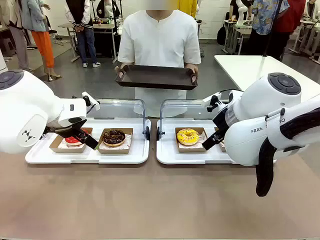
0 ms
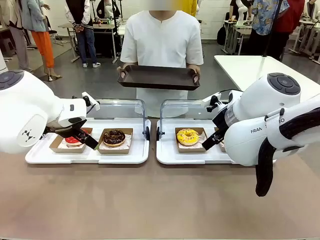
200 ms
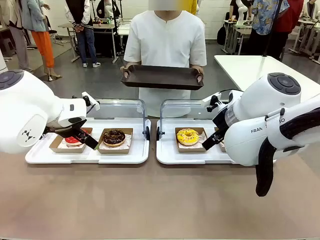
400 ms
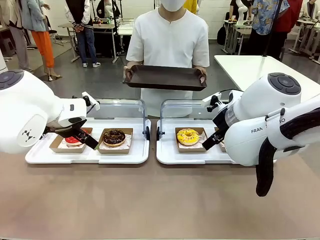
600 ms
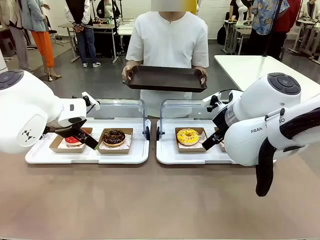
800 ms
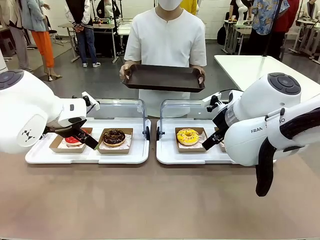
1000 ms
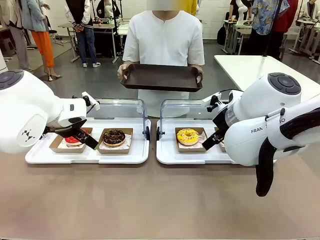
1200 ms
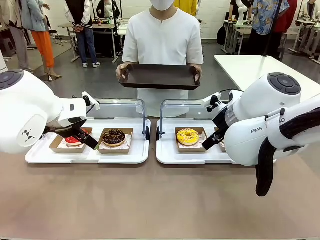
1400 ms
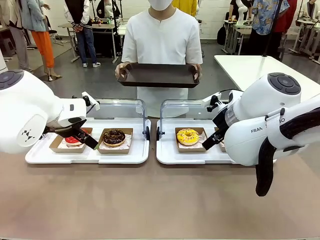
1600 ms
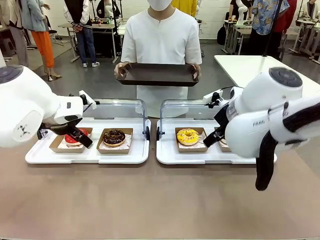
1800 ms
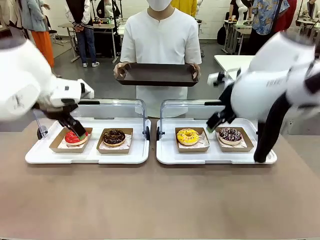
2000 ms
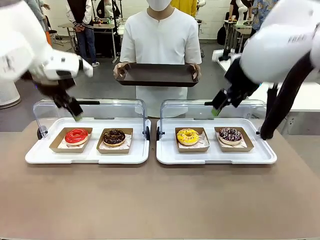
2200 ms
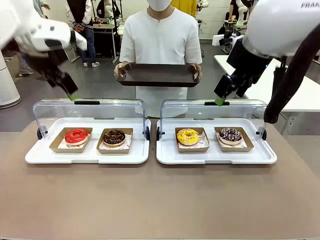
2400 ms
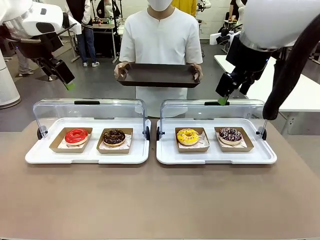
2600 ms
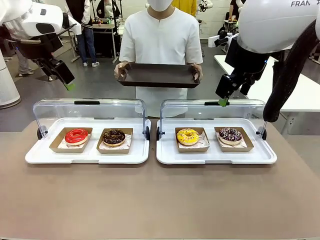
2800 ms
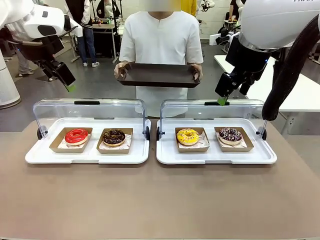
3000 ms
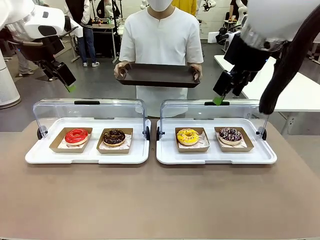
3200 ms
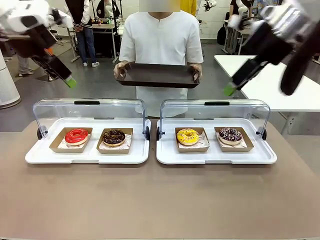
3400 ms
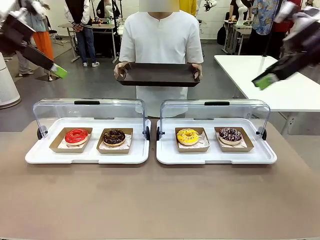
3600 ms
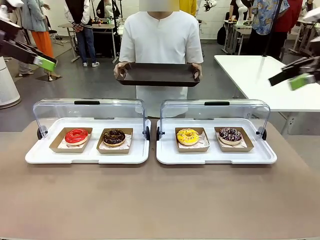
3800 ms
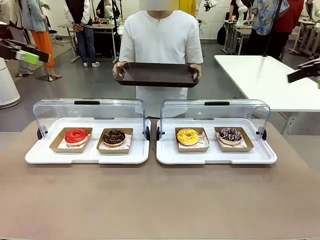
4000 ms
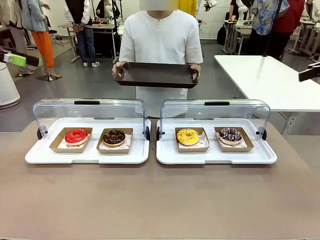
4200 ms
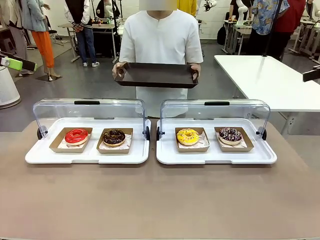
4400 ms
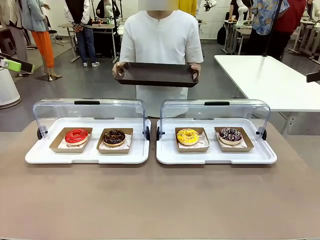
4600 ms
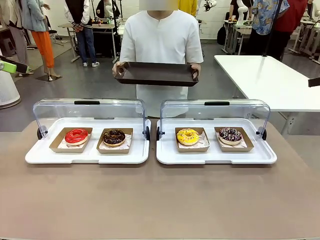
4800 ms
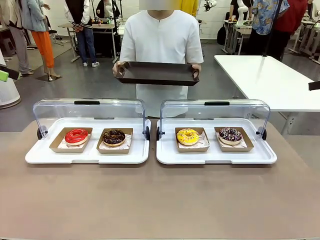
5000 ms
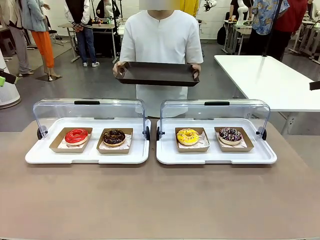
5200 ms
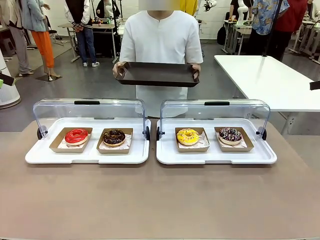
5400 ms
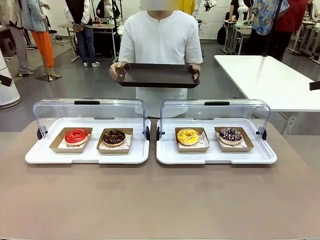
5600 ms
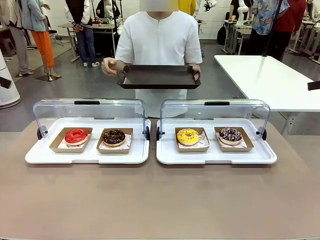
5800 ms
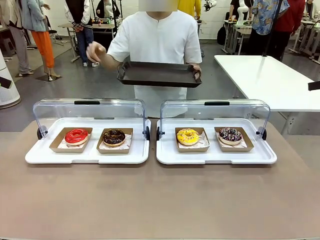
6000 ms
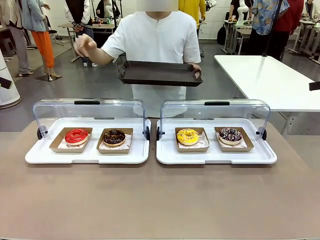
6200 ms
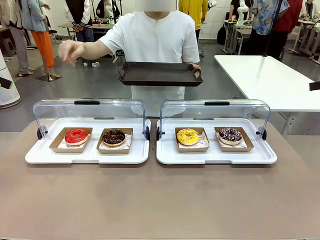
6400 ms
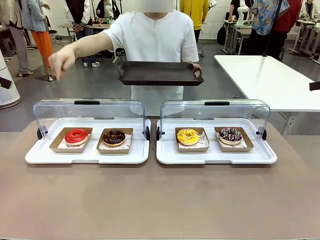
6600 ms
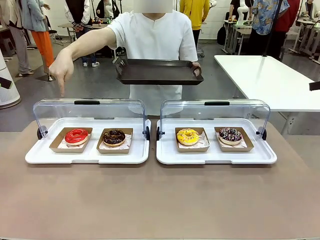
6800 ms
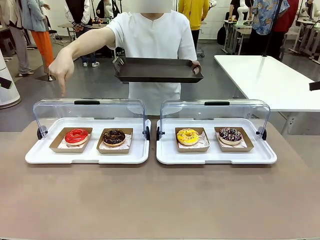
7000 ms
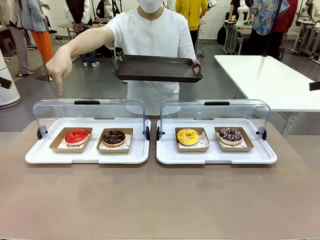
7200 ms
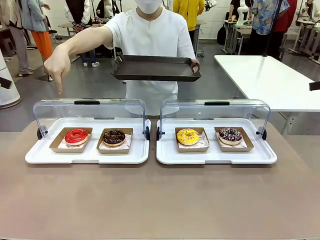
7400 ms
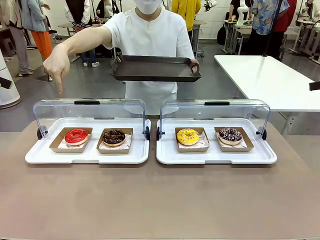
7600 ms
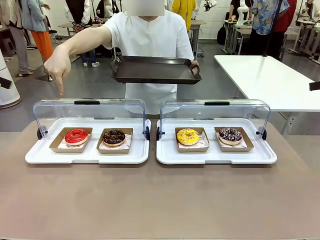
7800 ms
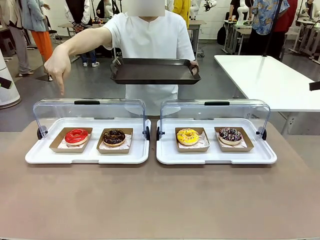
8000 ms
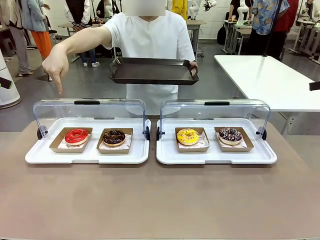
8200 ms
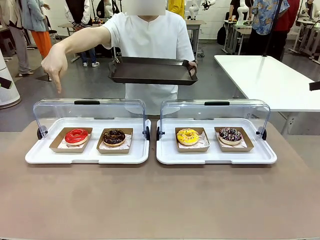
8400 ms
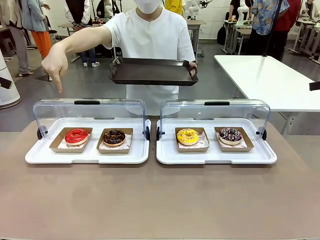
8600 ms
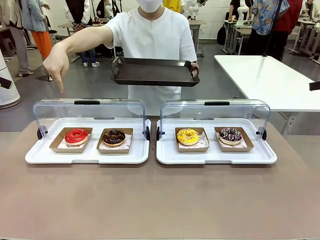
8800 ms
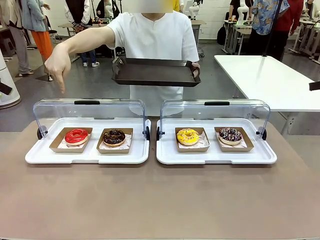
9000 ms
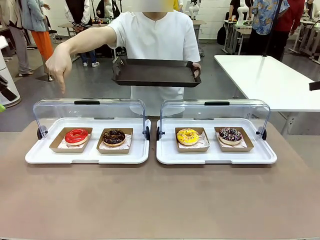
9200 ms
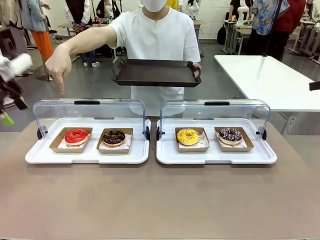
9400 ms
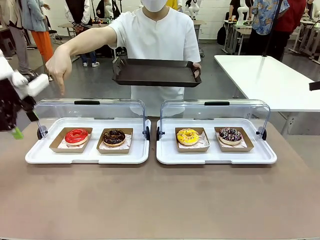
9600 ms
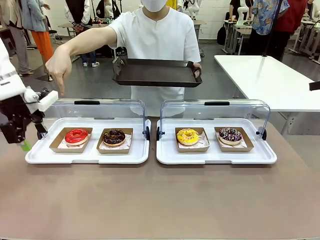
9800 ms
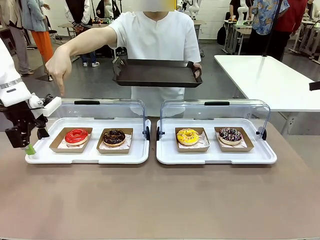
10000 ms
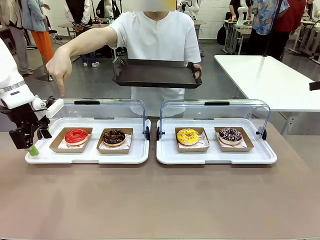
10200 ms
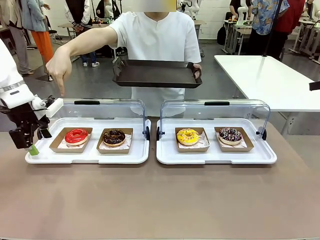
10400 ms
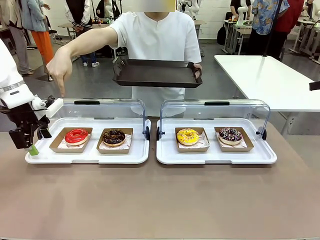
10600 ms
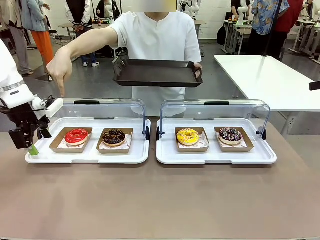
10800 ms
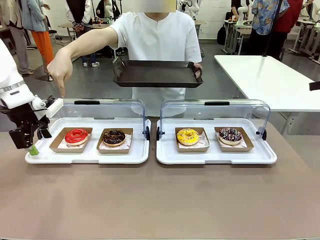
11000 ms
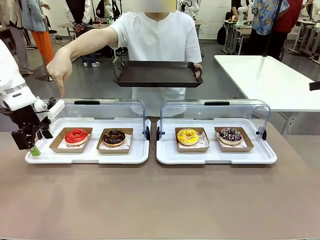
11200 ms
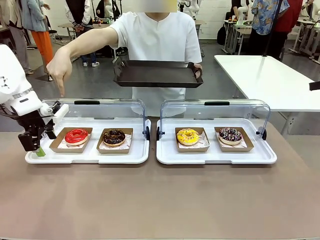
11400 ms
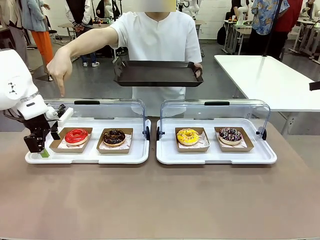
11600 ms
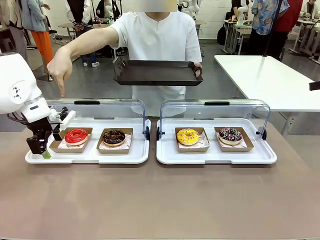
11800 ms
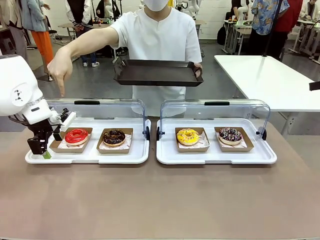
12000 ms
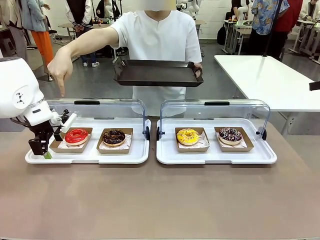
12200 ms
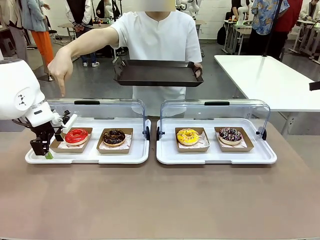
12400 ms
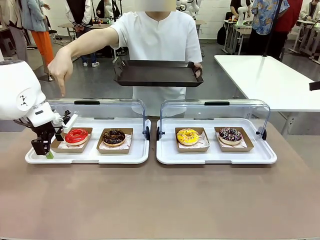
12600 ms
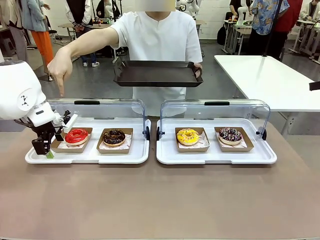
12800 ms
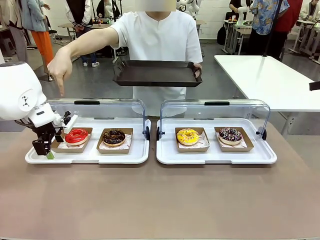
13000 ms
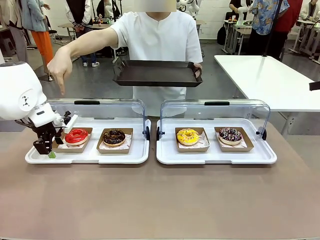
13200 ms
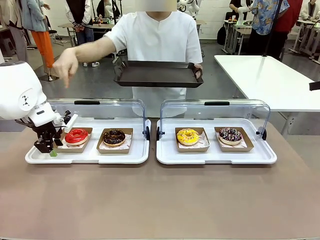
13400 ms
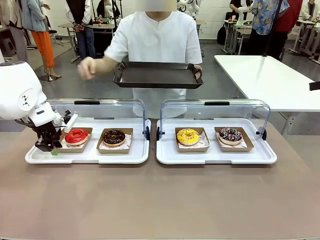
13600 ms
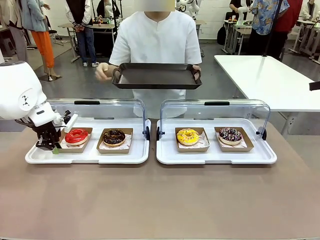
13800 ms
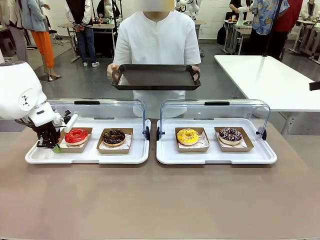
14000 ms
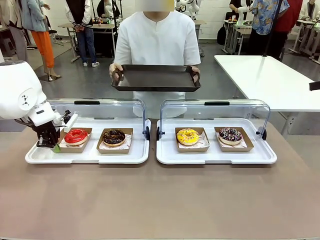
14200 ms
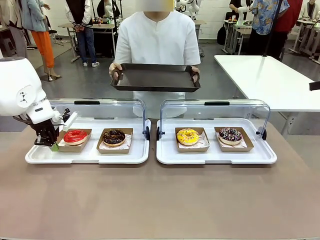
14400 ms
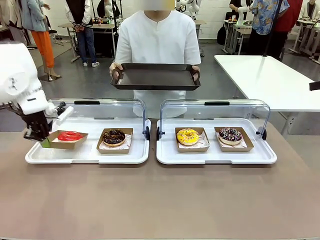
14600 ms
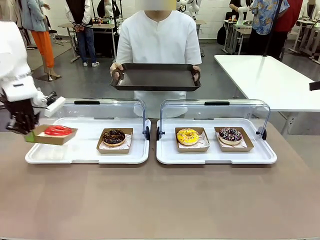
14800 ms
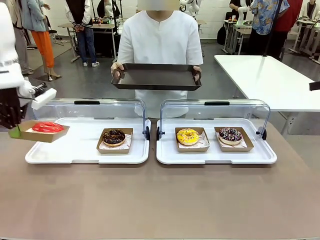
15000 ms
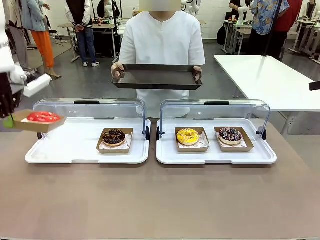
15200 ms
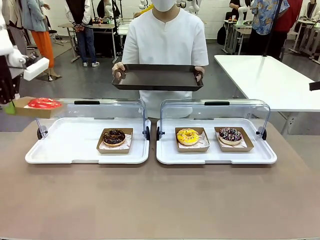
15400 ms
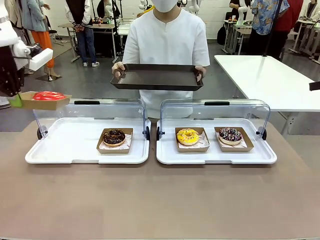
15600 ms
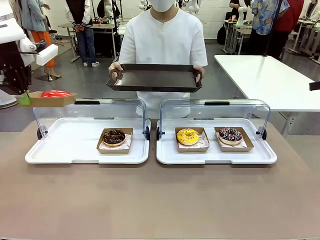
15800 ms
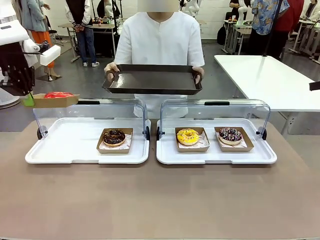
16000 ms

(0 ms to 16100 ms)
Task: Provide the desired donut to the person.
Robot: Pick up and lift the Paper togo box containing the Donut pointed at by the person.
Person: Point to one donut. Lift the tray onto the Roll-Top Bakery Case.

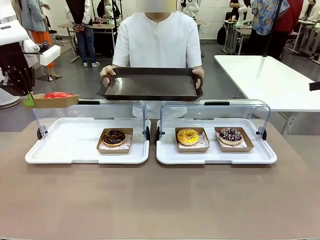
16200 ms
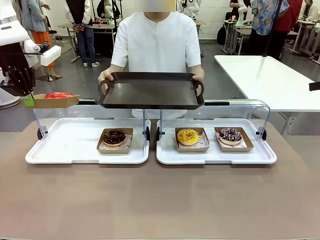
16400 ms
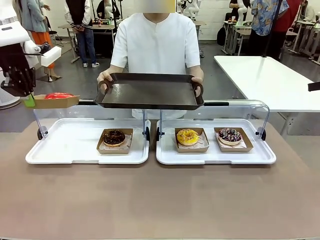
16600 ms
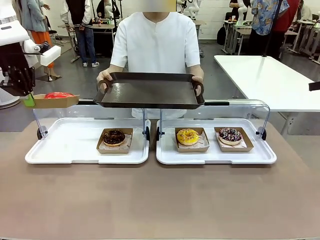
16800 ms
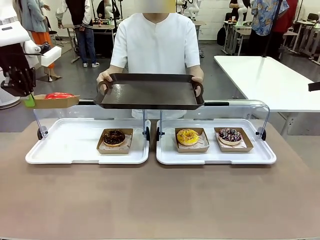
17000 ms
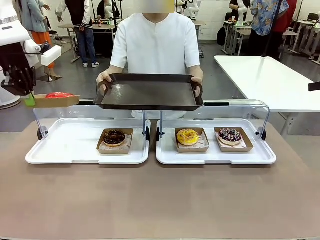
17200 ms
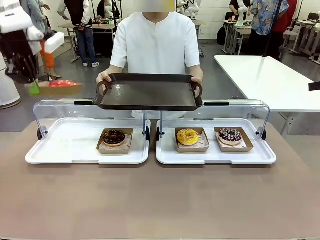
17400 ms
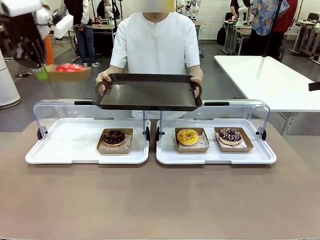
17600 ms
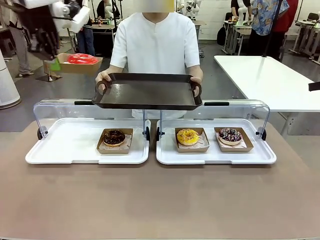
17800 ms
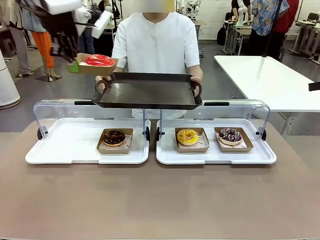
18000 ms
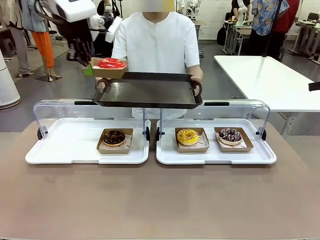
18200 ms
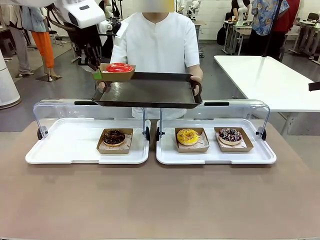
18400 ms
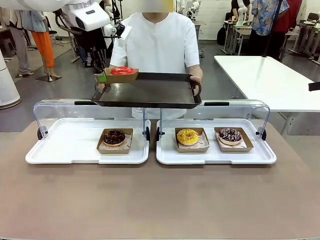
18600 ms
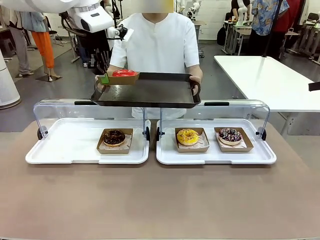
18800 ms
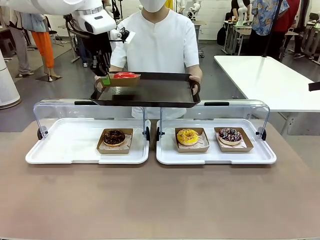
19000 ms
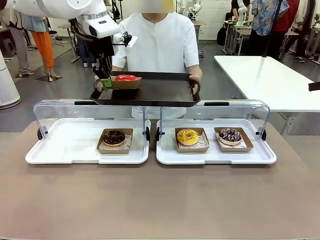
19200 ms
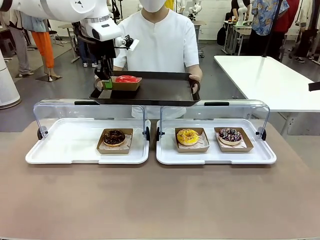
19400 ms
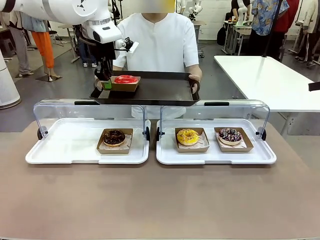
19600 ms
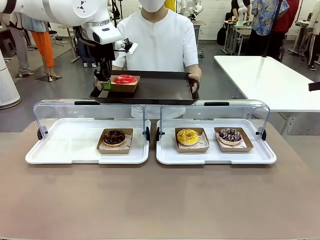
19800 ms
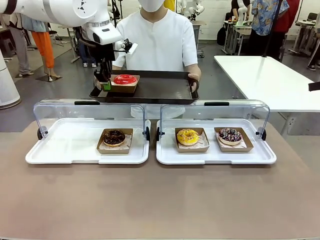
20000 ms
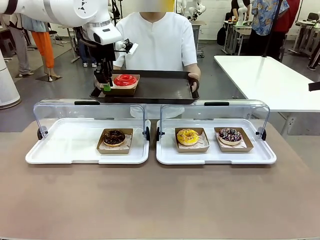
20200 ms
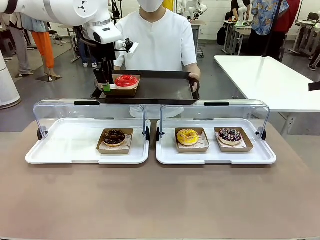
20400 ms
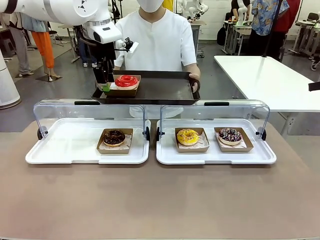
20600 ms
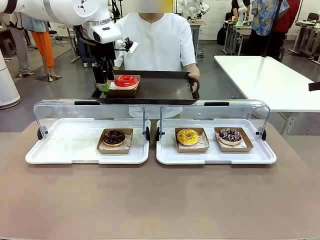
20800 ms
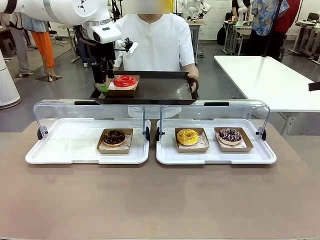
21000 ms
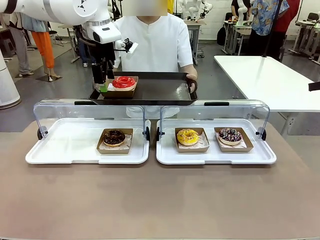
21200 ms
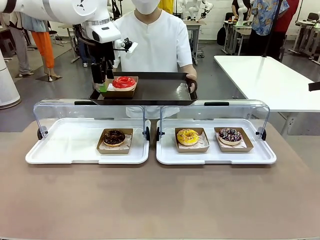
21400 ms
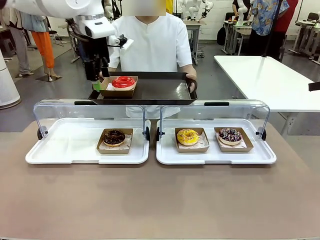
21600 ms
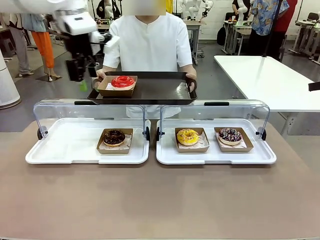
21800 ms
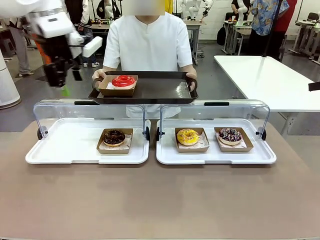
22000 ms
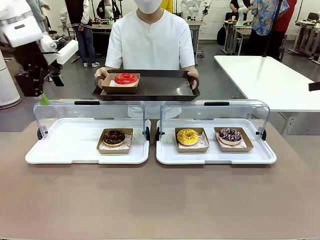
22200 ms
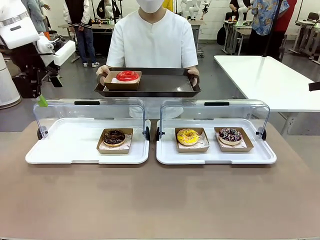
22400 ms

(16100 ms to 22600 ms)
Robot: Place the picked Paper togo box onto the Handle tray extended by the person.
